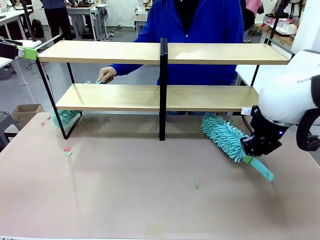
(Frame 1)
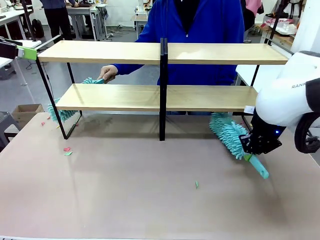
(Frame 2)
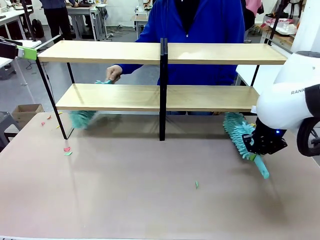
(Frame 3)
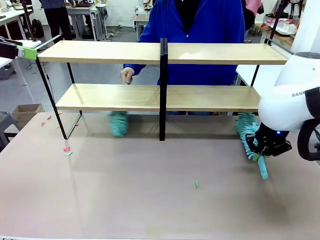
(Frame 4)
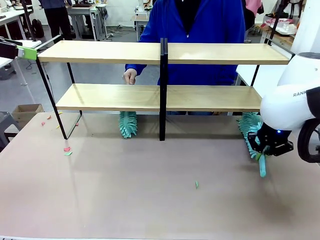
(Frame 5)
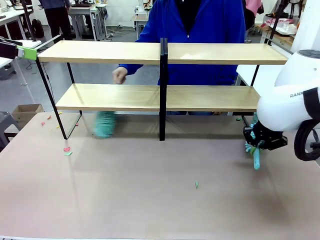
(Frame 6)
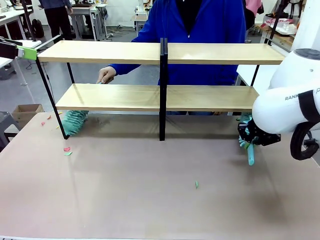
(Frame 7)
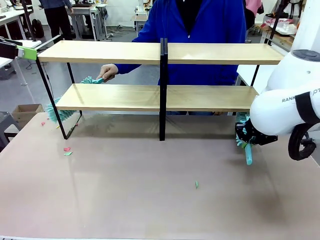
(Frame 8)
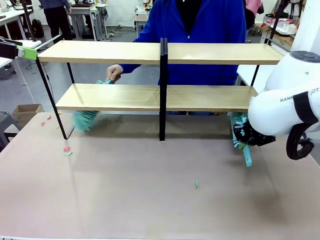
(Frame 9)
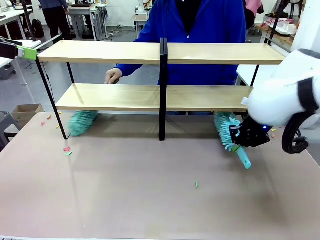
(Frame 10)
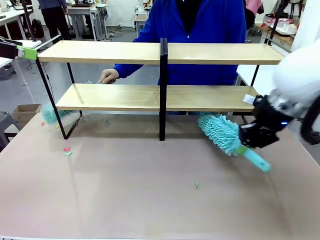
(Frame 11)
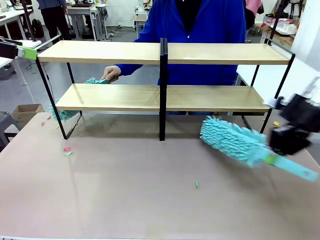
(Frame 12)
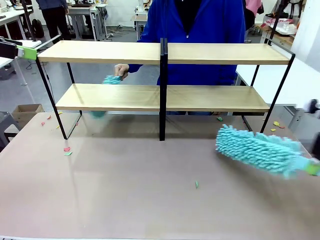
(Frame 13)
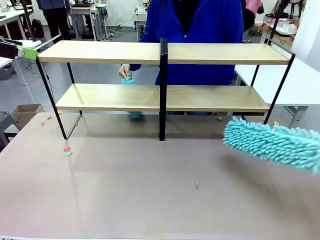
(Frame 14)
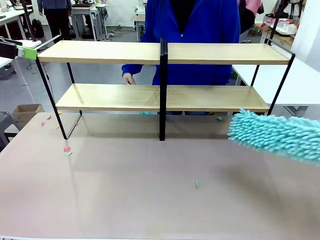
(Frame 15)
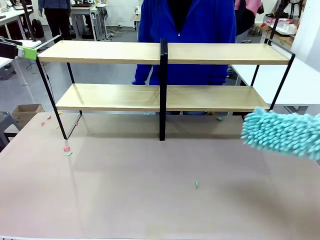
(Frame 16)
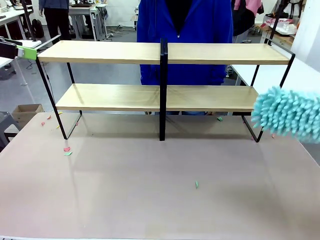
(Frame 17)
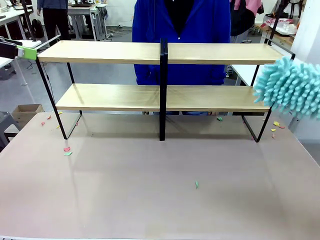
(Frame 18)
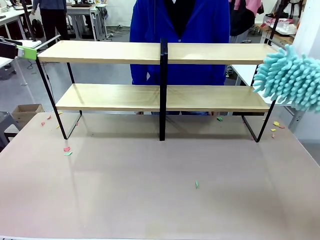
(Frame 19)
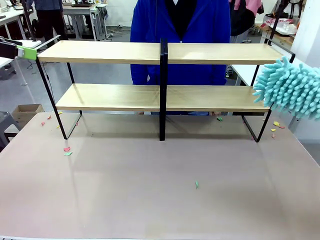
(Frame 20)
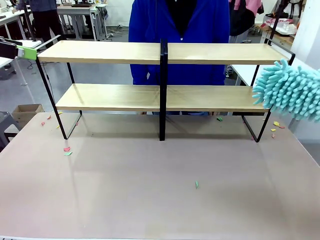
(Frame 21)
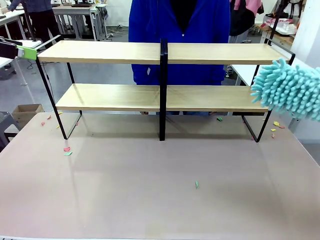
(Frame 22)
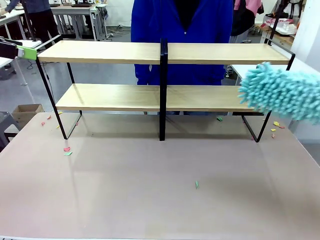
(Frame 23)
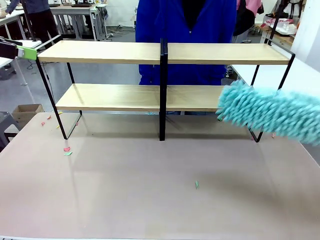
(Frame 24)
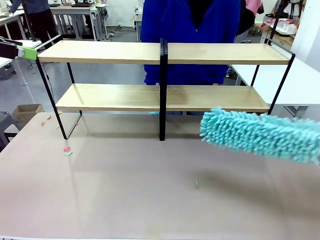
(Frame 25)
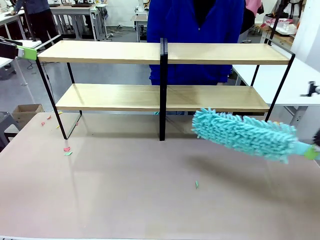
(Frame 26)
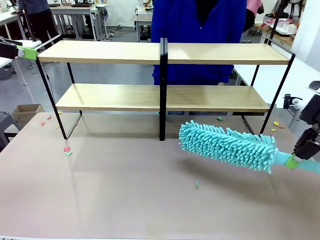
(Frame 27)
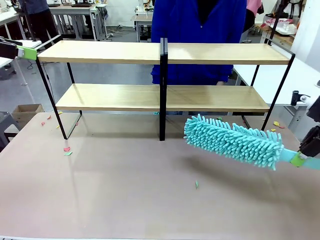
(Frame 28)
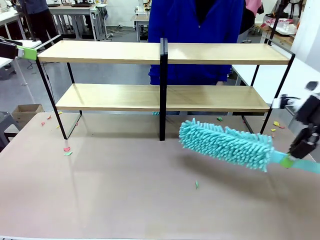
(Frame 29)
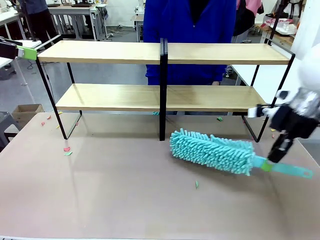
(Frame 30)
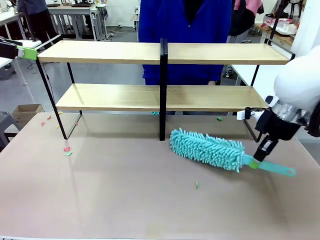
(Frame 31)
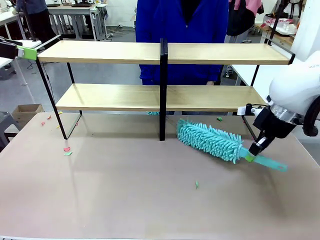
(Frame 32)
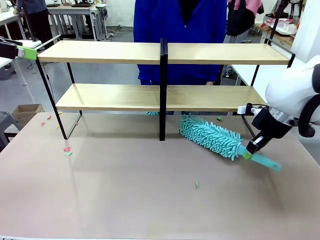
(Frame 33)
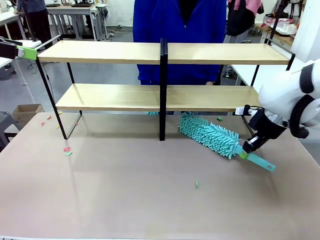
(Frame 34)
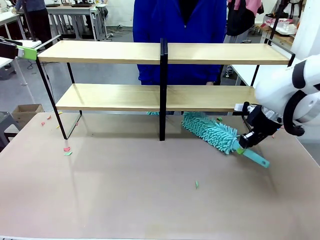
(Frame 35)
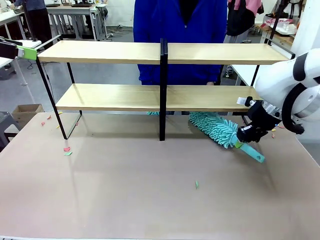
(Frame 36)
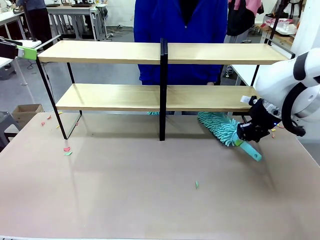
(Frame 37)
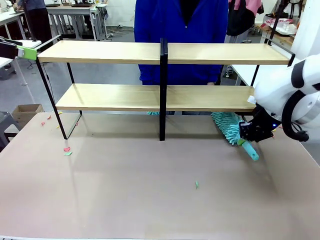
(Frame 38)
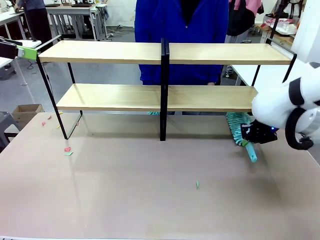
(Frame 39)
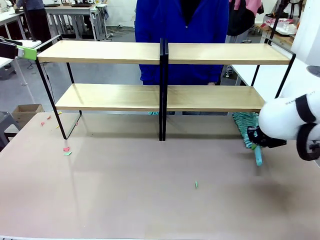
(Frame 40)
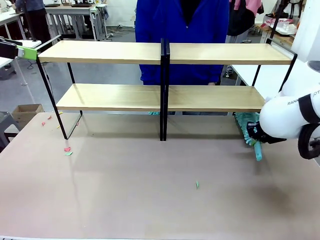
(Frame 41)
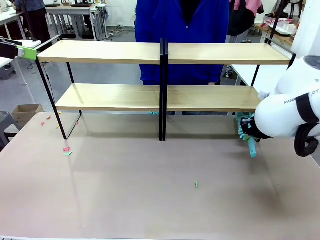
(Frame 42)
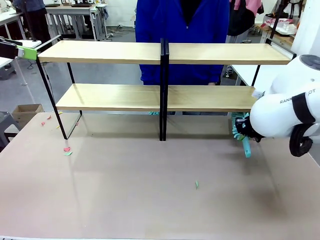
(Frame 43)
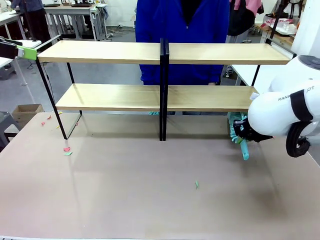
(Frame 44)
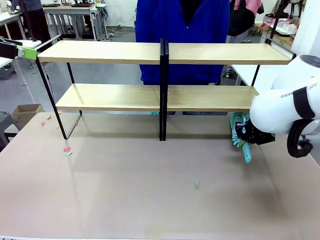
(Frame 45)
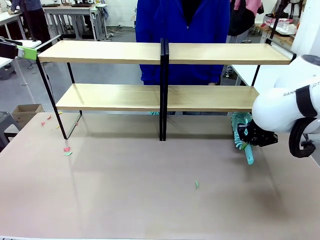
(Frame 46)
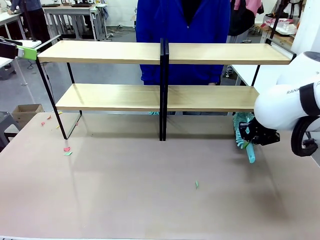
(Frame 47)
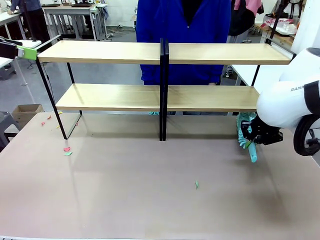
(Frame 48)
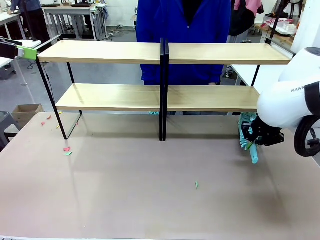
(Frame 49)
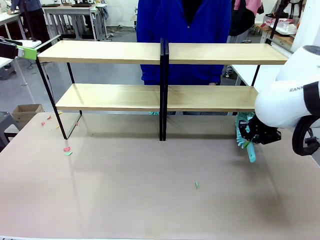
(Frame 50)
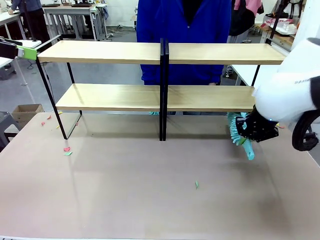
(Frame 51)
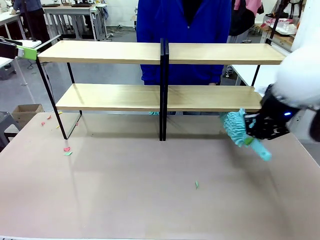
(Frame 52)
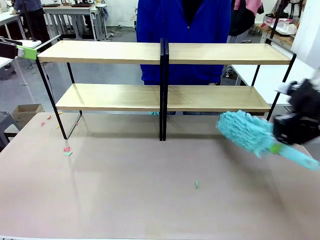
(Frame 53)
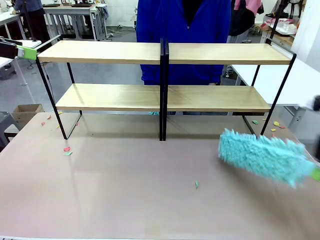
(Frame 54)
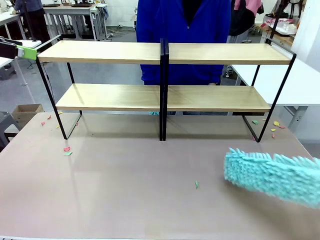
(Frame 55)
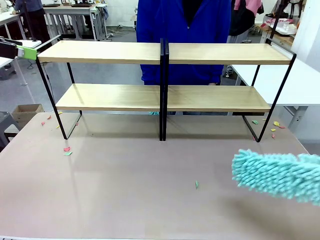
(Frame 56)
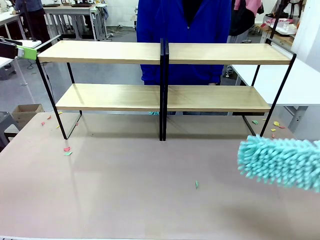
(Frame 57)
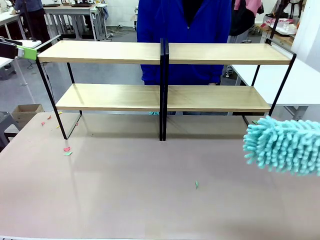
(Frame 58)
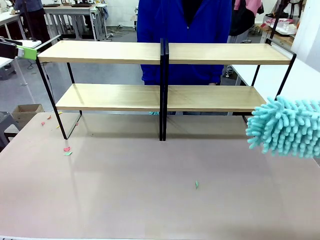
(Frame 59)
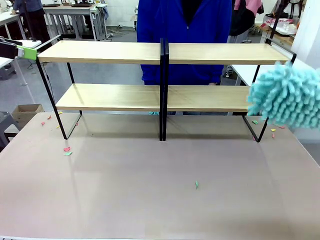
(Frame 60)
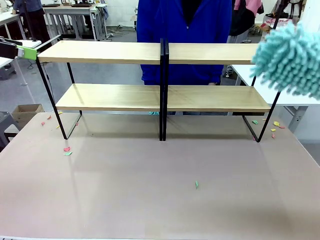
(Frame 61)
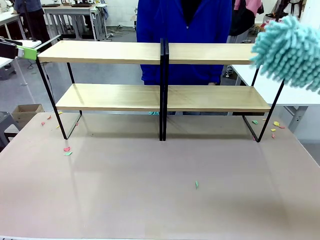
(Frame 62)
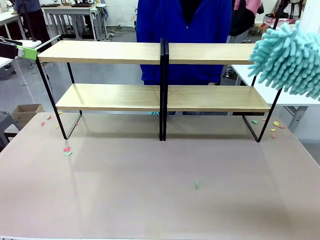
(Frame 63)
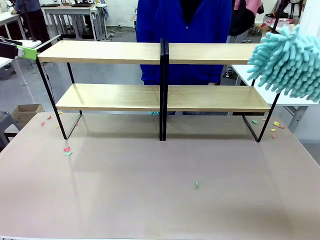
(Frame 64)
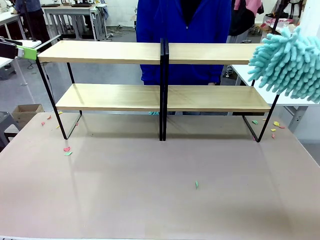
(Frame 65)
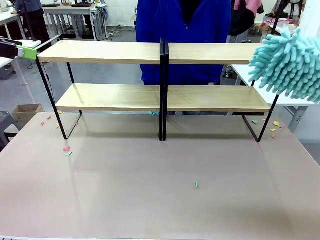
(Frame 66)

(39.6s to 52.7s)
Task: Clean the shelves.
Robot: Clean another randomly selected level of the Shelf with the Duster.

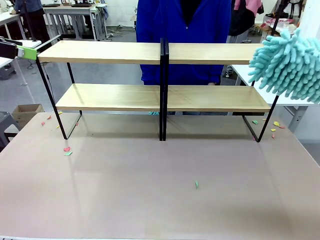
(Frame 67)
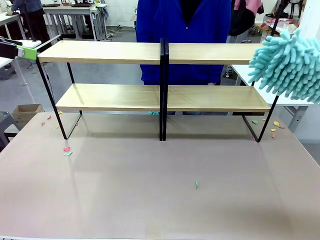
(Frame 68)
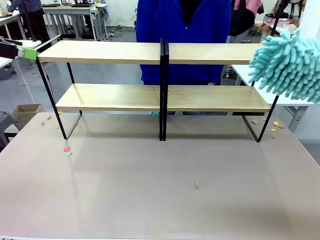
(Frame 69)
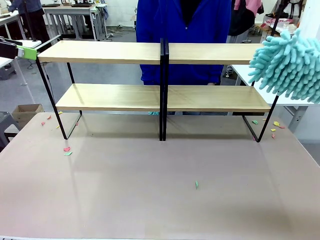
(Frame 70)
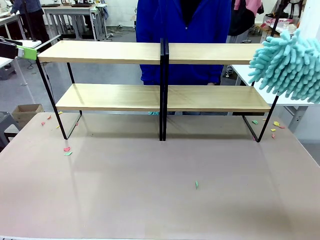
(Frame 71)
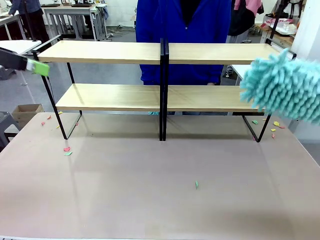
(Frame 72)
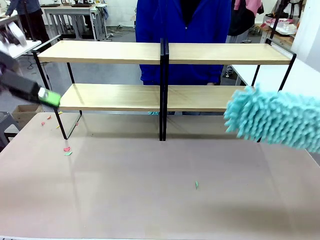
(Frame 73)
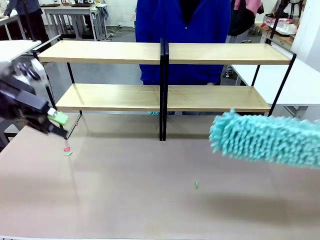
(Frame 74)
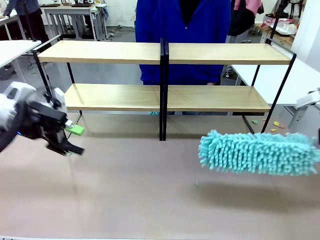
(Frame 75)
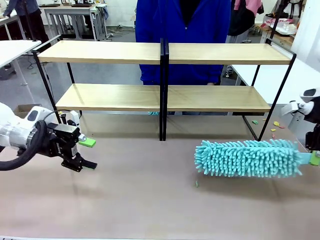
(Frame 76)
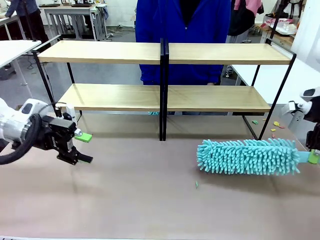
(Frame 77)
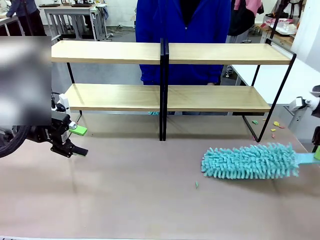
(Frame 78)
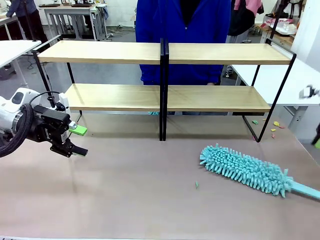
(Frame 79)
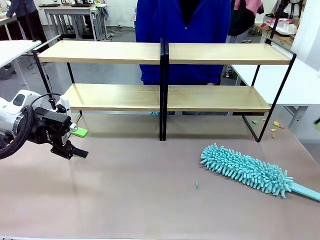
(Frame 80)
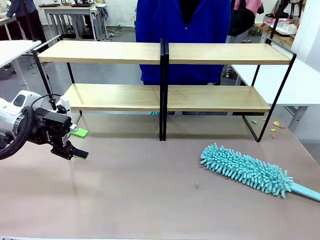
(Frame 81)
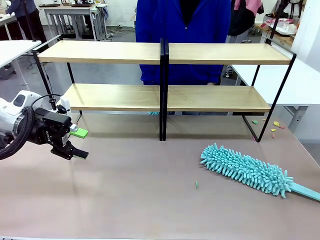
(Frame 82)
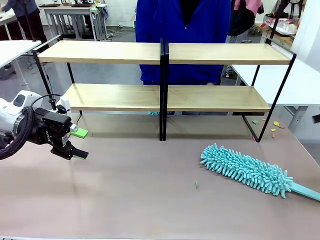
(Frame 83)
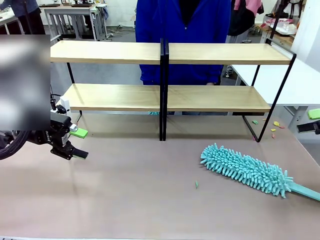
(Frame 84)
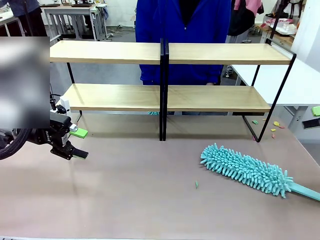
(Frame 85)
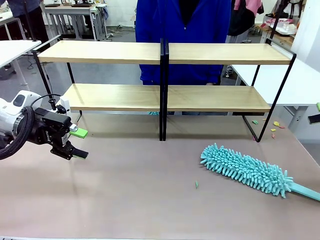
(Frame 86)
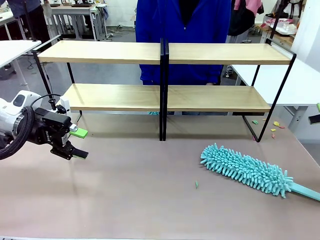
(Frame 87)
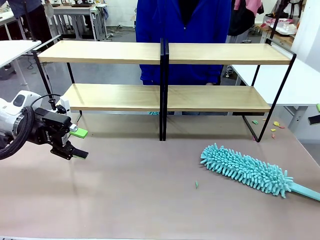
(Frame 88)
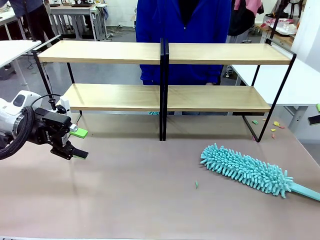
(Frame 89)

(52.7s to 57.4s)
Robot: Place the Duster on the table.

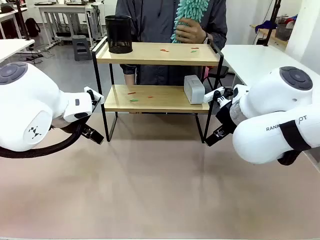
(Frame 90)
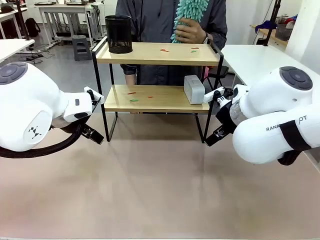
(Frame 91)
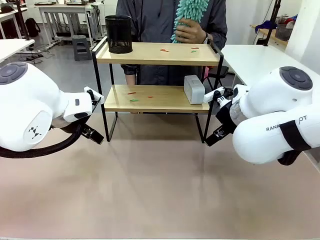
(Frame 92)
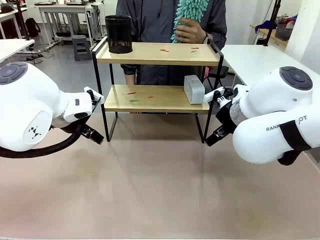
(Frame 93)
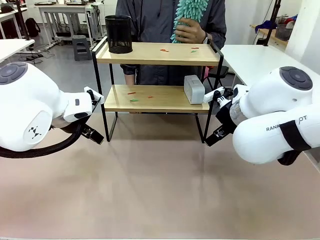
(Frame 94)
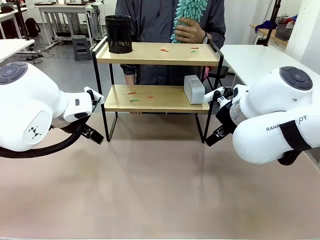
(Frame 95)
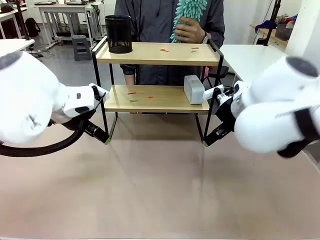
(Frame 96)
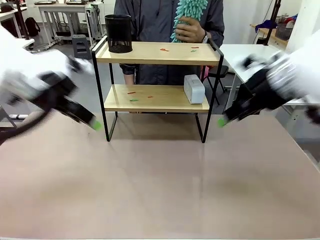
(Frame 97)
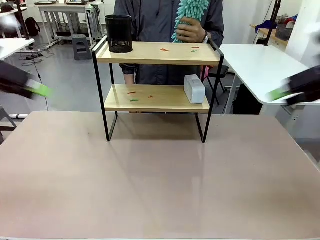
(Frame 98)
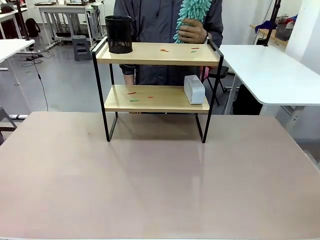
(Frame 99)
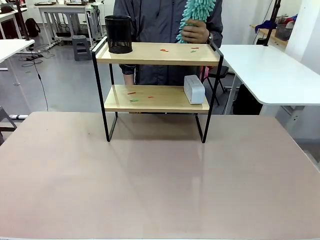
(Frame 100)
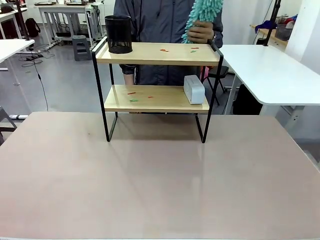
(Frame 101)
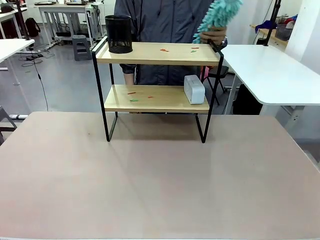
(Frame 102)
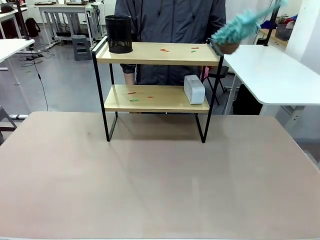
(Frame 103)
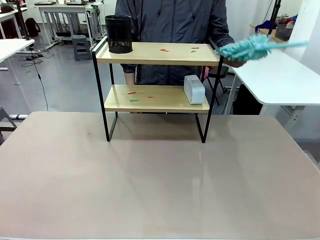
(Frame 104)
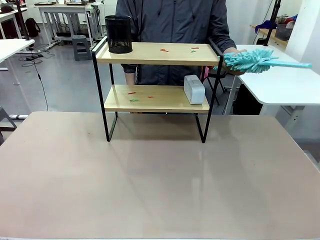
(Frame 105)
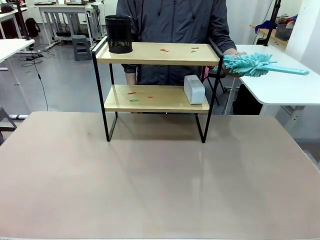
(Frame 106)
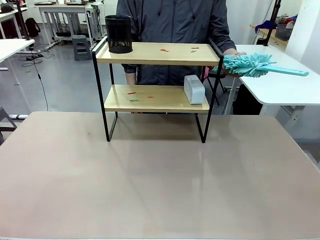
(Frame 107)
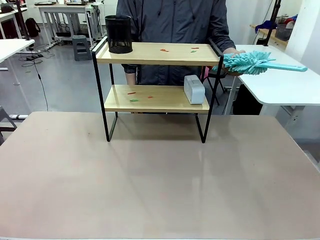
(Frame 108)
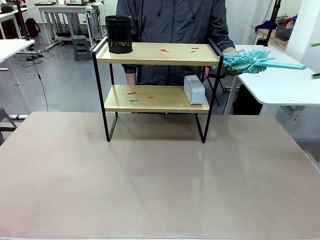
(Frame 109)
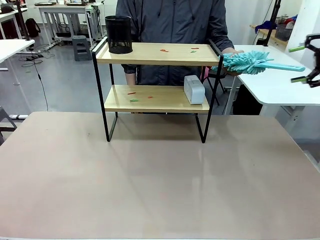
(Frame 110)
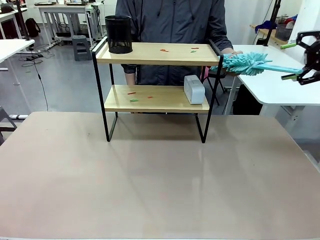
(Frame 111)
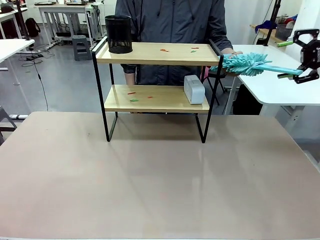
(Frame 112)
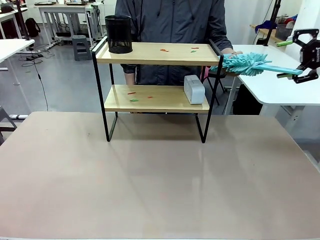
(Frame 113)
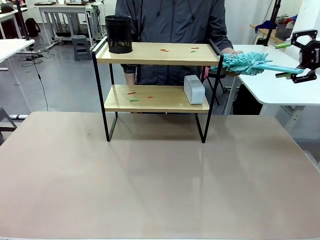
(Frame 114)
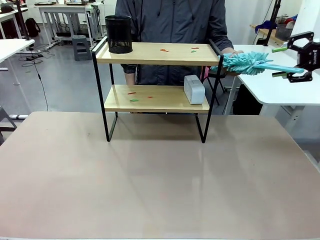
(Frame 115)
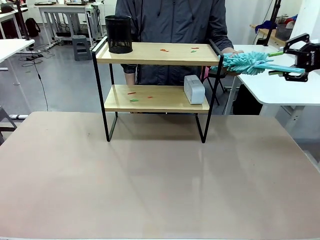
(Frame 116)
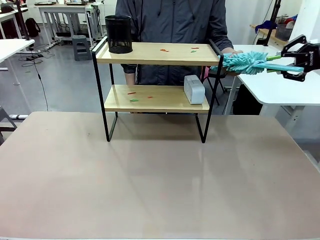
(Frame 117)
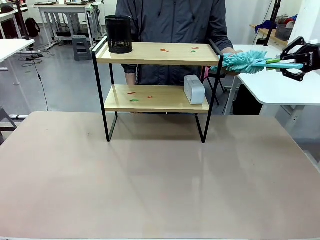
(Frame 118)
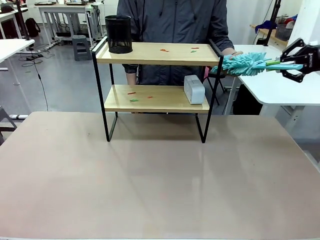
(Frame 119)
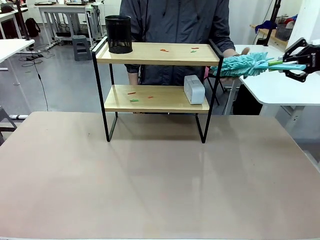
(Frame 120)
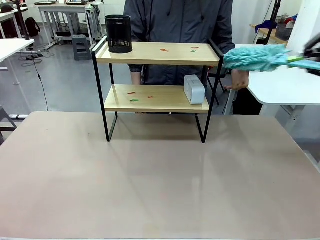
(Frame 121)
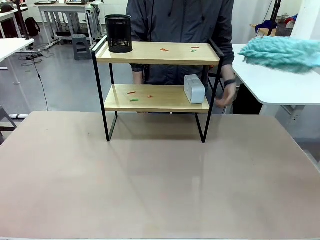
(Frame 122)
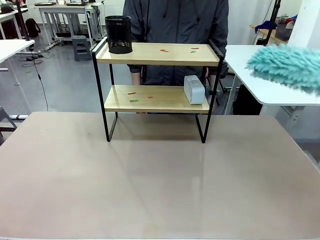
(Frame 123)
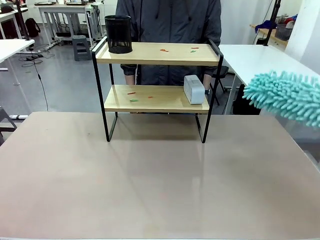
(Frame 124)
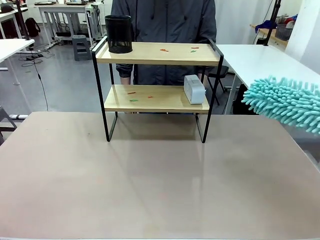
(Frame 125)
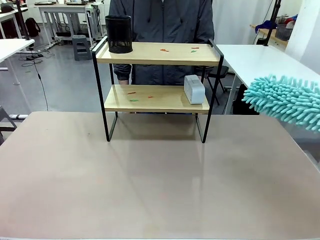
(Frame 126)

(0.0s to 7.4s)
Task: Clean the shelf.
Robot: Pick up the Duster from the human.
Person: Hand the Duster to the robot.
